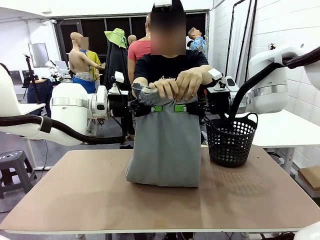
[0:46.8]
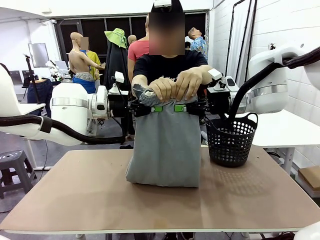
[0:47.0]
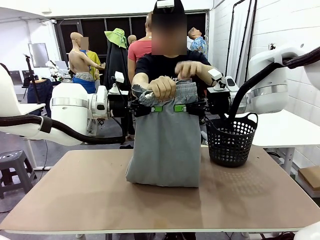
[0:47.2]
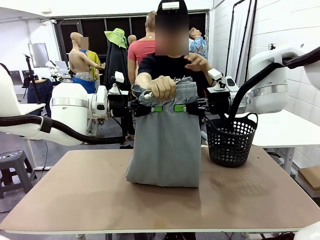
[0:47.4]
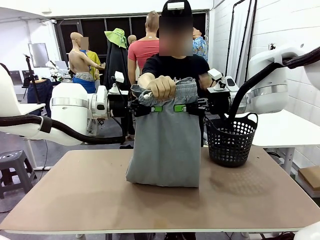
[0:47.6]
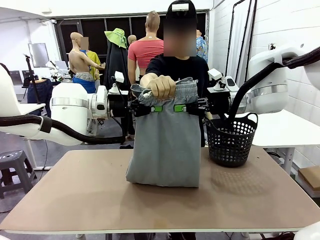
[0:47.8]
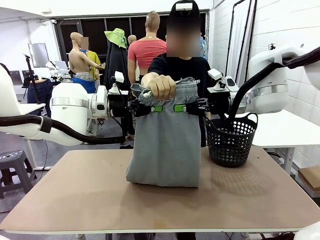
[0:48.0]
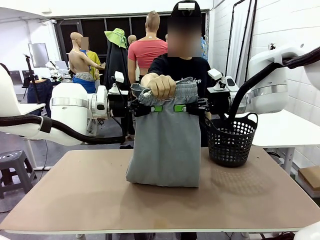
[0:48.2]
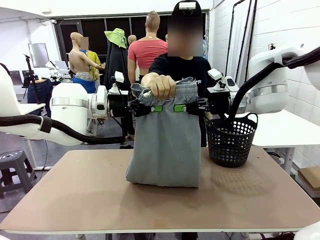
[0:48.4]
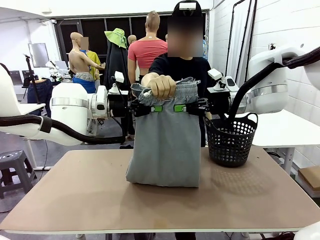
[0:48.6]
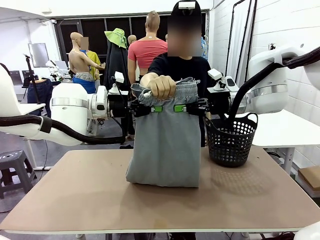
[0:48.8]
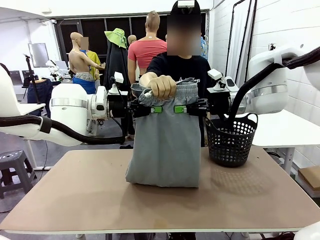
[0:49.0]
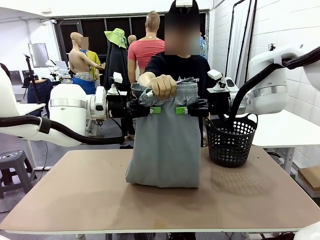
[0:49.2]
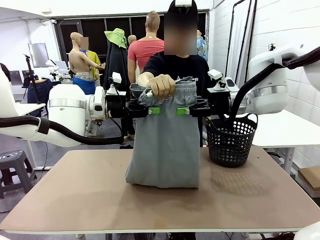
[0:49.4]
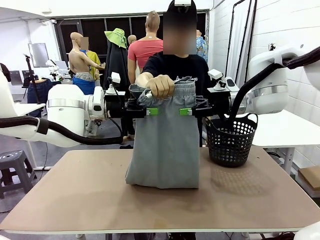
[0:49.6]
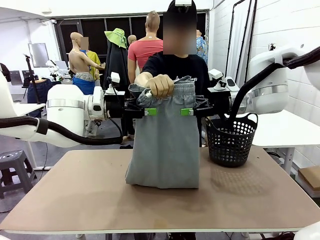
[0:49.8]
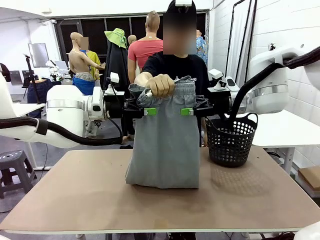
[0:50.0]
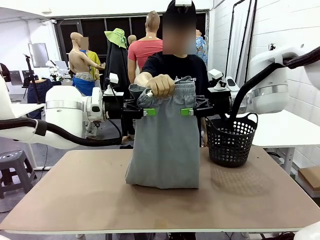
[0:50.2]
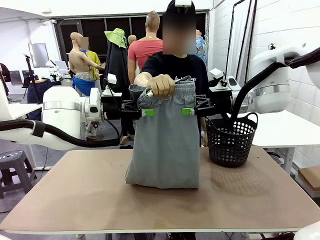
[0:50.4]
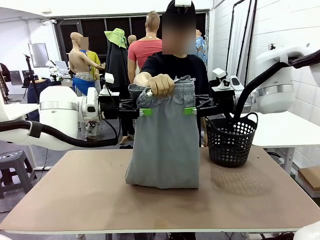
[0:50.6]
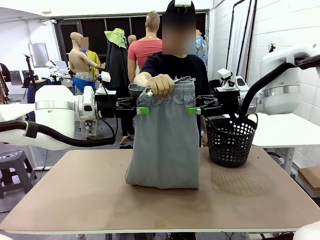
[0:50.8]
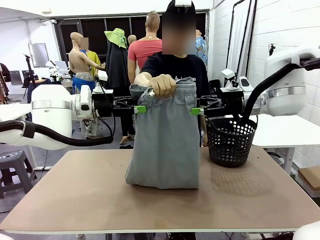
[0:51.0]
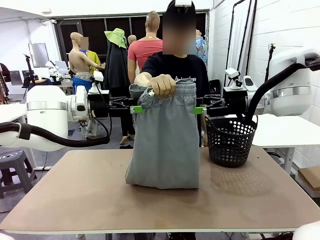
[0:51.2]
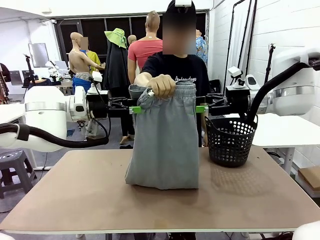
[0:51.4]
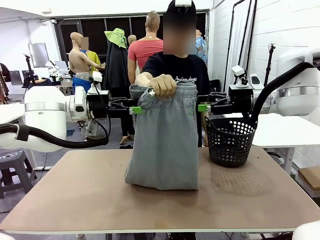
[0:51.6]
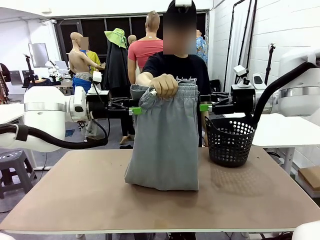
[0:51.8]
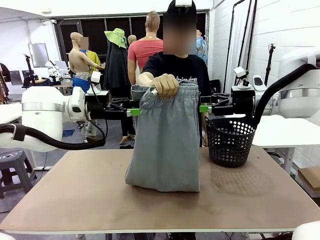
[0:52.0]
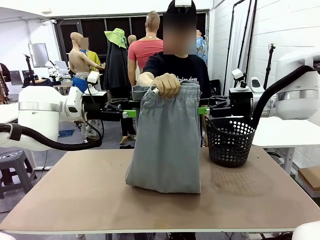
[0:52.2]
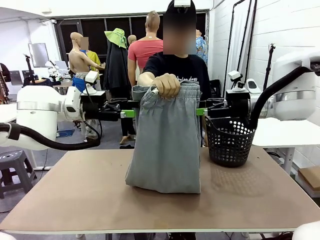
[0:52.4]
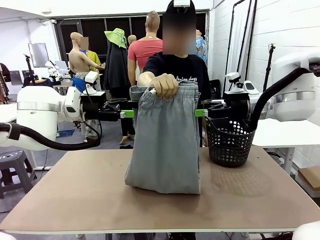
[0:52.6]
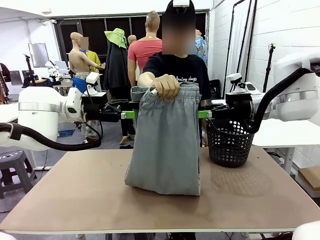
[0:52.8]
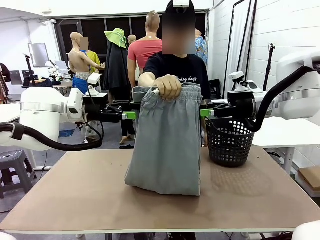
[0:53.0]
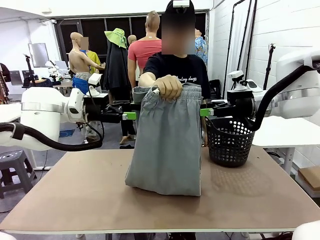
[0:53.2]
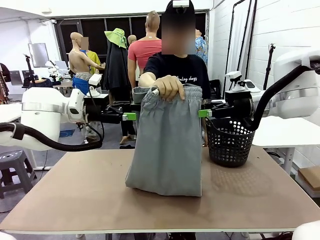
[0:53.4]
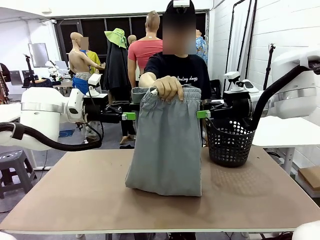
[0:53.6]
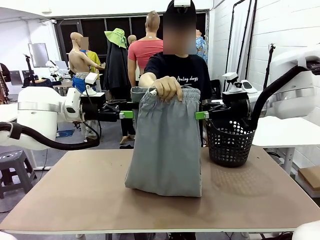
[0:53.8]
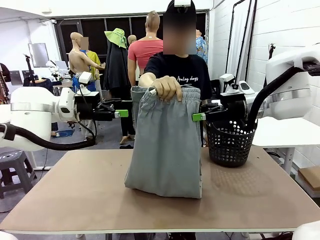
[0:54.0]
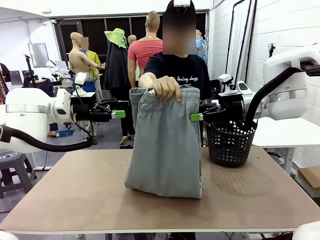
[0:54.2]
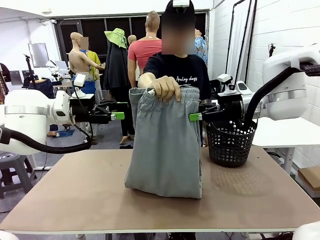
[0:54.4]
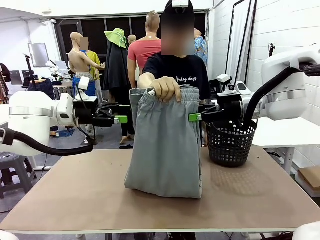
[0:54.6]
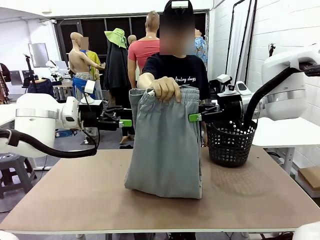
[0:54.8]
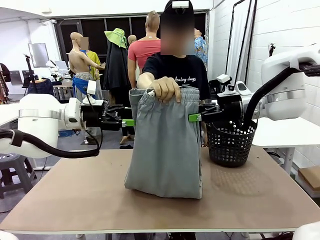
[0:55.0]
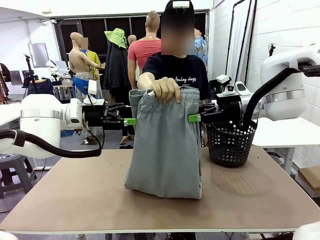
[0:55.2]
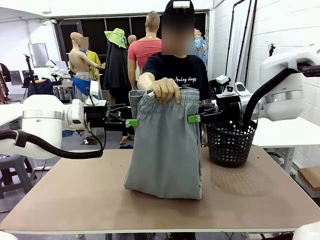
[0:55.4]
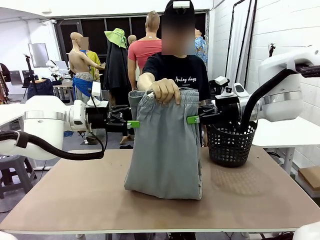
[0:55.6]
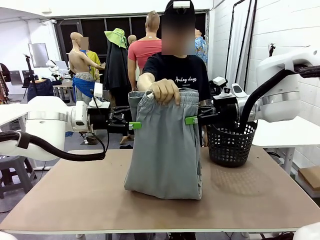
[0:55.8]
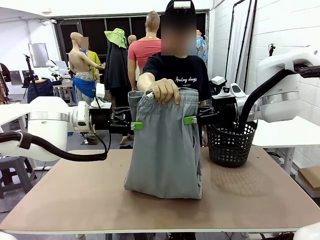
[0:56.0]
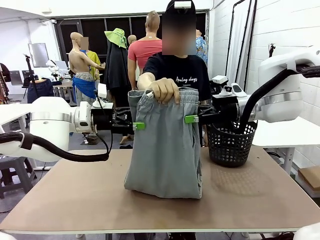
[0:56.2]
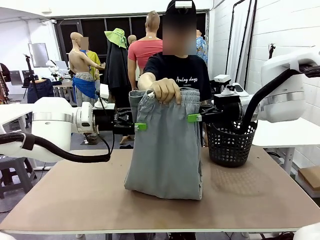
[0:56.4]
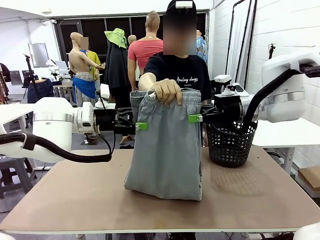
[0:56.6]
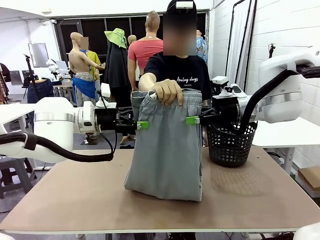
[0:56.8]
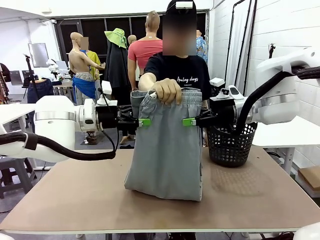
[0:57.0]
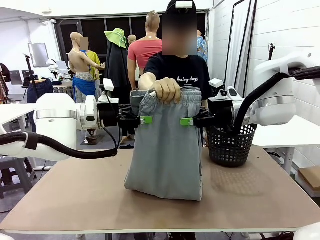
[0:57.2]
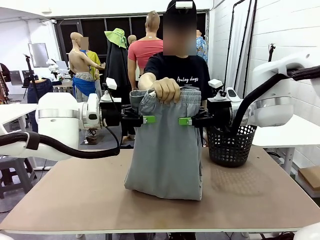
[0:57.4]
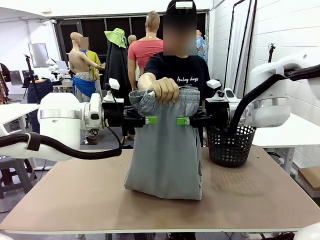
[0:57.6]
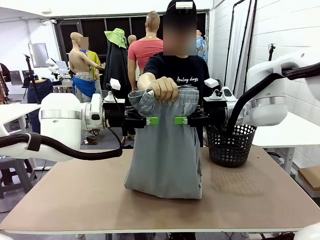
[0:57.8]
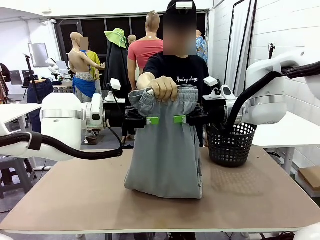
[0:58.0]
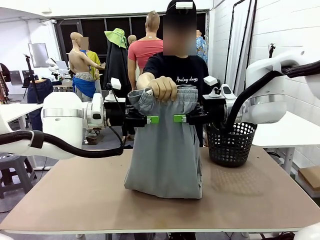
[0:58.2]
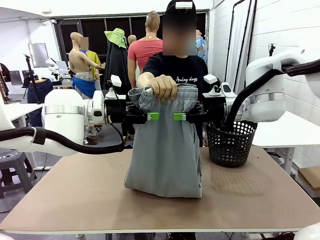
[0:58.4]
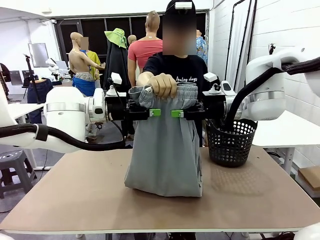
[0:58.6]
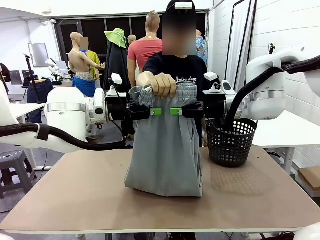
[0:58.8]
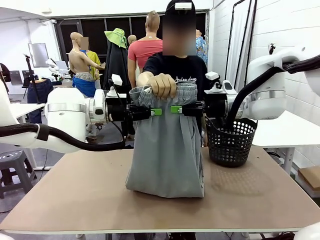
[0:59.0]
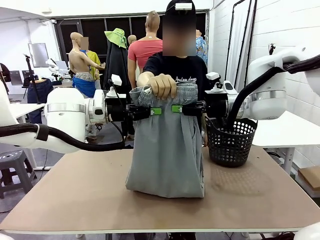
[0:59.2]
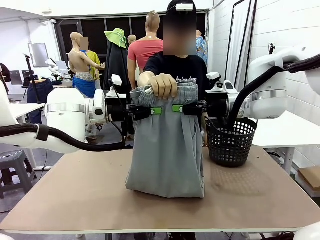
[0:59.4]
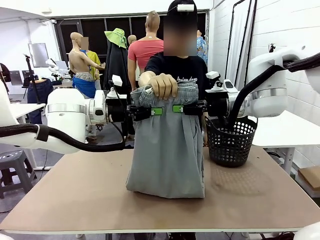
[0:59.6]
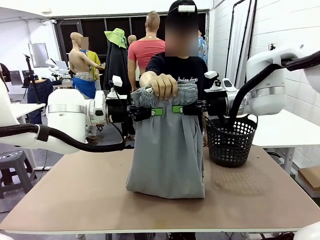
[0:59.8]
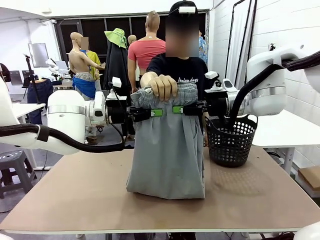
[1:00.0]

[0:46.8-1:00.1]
Task: Fold the training pants.
Robot: Release the ends of the Training pants and then grab the overlapped ends.
Person: Release the pants you were holding.
